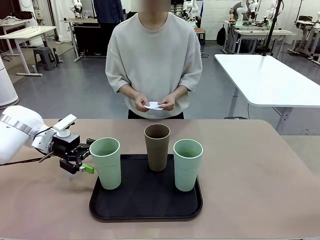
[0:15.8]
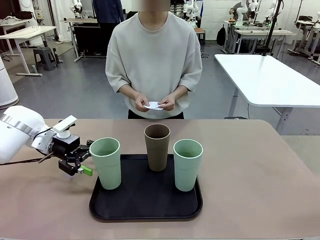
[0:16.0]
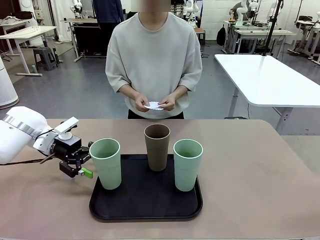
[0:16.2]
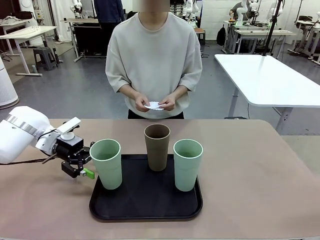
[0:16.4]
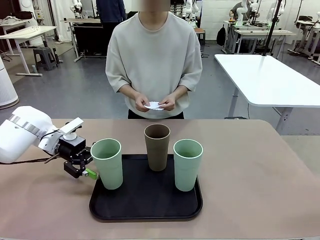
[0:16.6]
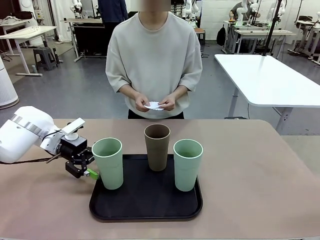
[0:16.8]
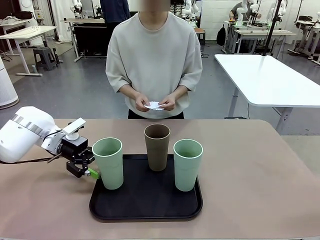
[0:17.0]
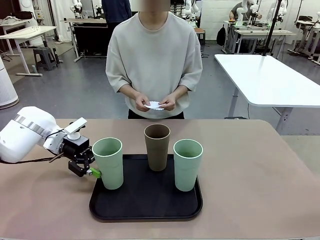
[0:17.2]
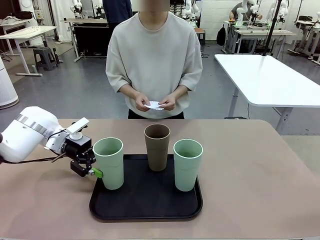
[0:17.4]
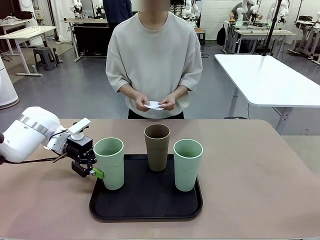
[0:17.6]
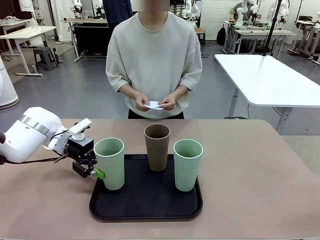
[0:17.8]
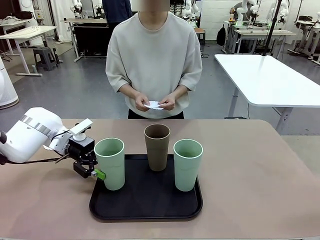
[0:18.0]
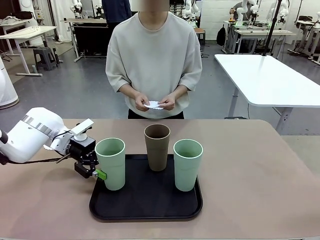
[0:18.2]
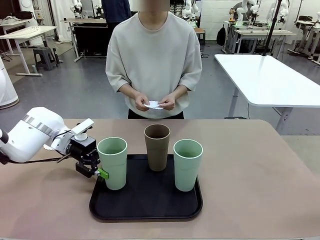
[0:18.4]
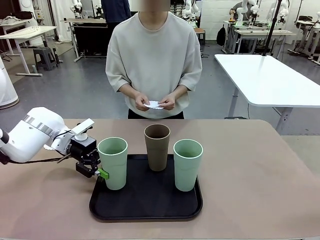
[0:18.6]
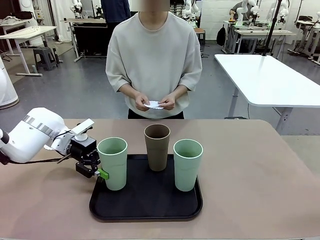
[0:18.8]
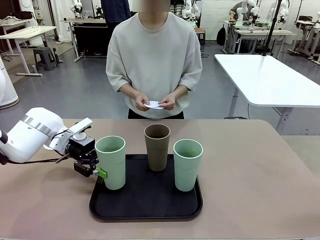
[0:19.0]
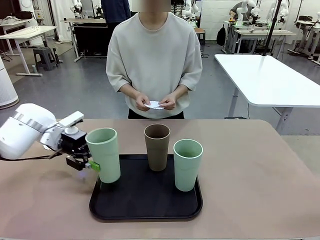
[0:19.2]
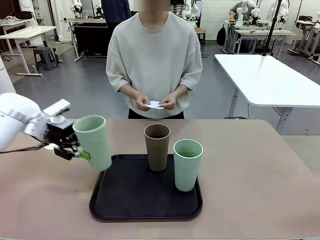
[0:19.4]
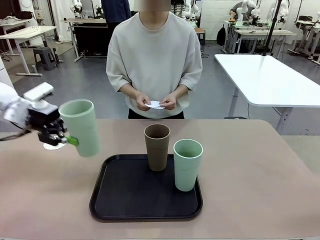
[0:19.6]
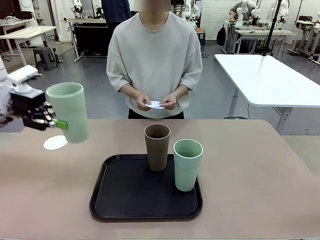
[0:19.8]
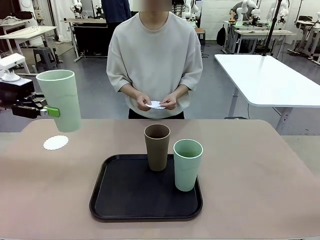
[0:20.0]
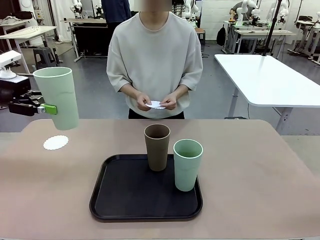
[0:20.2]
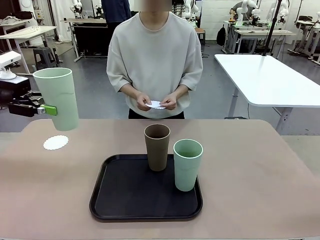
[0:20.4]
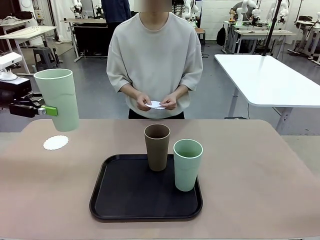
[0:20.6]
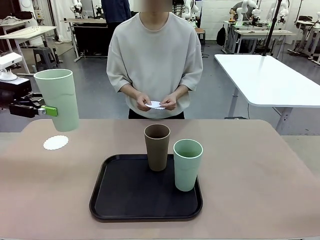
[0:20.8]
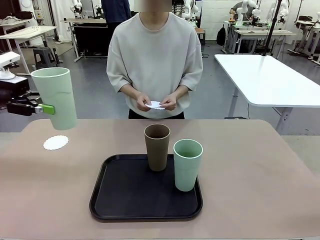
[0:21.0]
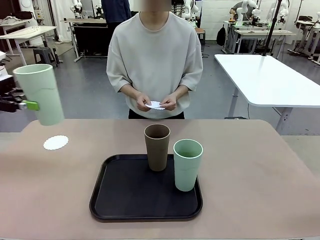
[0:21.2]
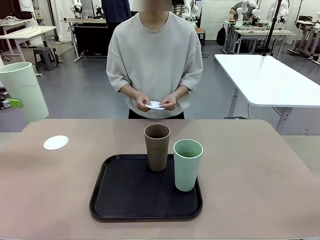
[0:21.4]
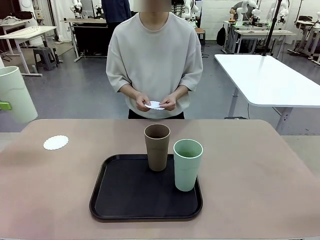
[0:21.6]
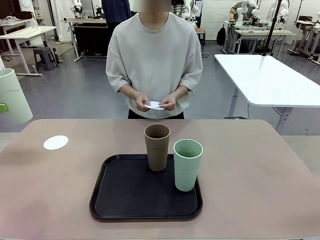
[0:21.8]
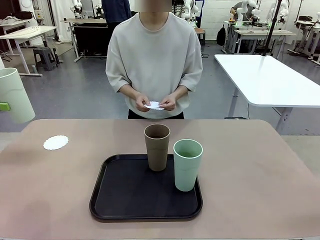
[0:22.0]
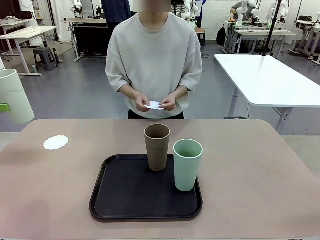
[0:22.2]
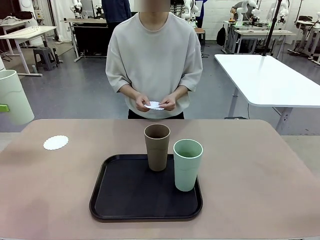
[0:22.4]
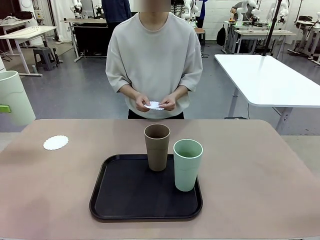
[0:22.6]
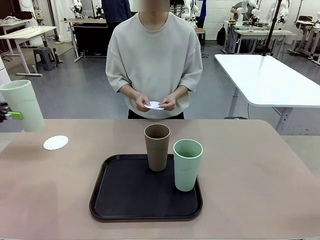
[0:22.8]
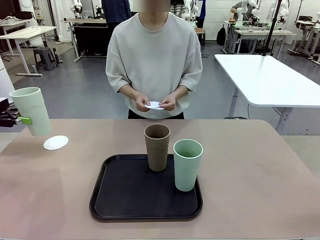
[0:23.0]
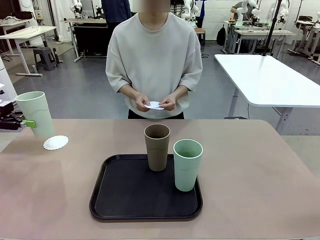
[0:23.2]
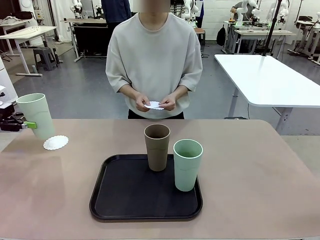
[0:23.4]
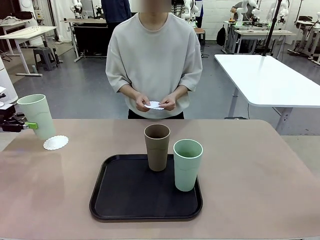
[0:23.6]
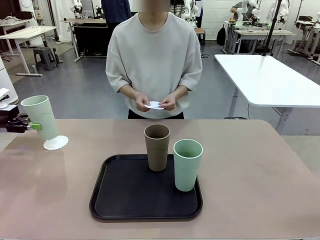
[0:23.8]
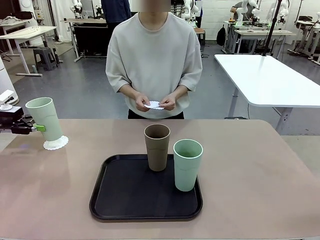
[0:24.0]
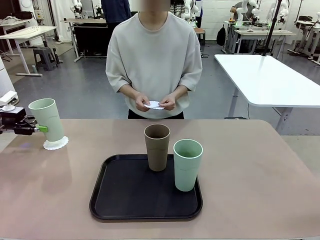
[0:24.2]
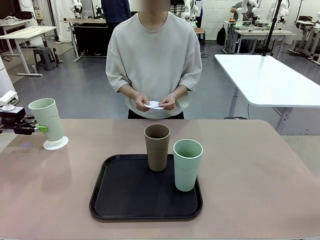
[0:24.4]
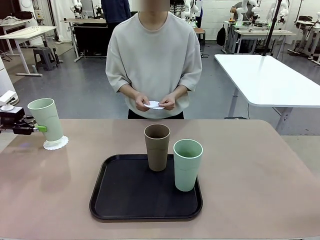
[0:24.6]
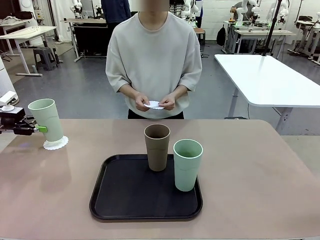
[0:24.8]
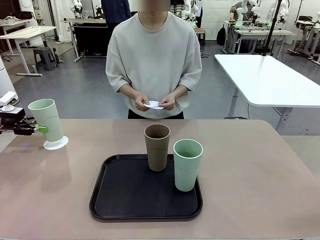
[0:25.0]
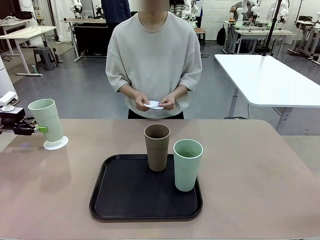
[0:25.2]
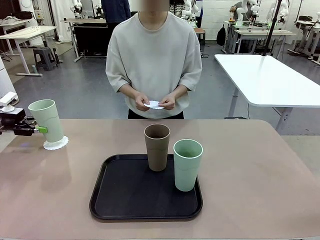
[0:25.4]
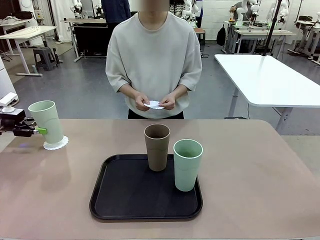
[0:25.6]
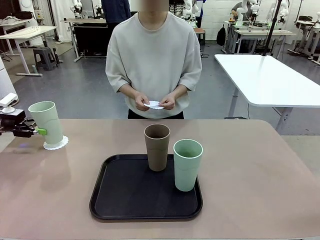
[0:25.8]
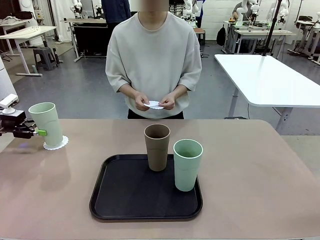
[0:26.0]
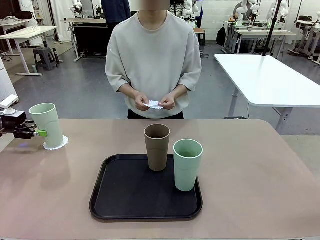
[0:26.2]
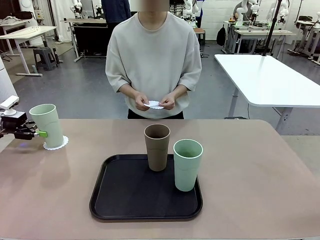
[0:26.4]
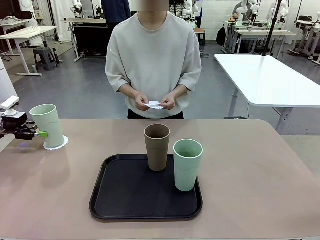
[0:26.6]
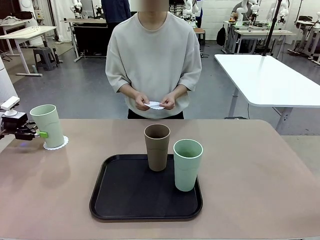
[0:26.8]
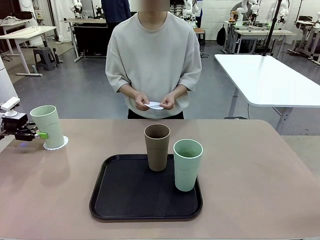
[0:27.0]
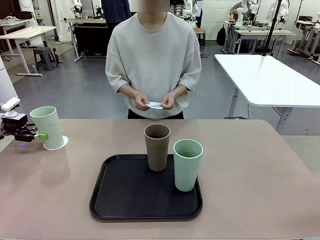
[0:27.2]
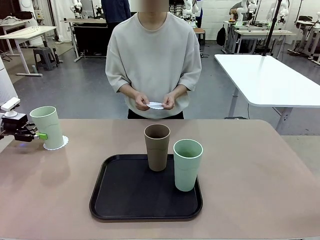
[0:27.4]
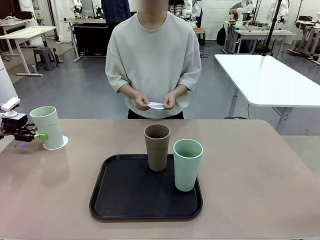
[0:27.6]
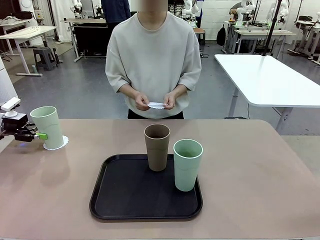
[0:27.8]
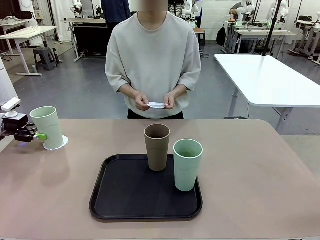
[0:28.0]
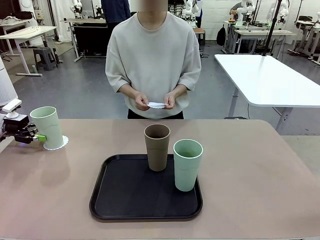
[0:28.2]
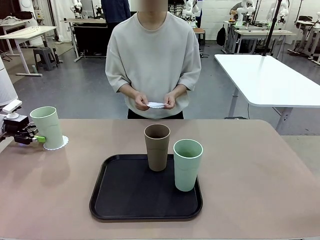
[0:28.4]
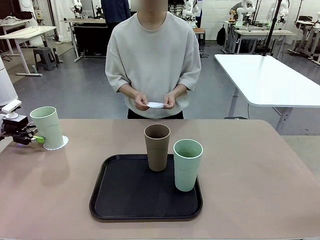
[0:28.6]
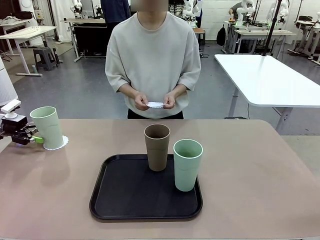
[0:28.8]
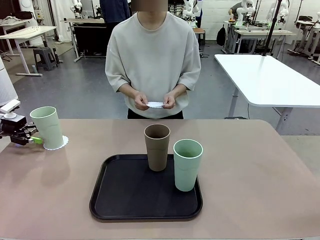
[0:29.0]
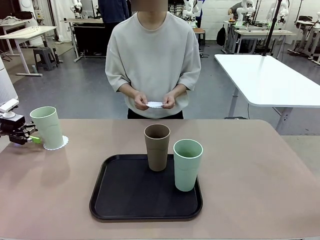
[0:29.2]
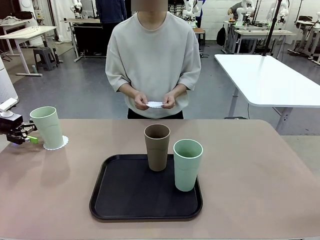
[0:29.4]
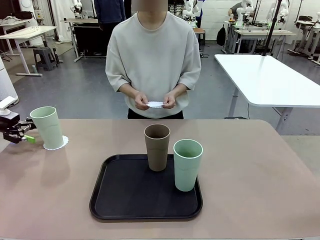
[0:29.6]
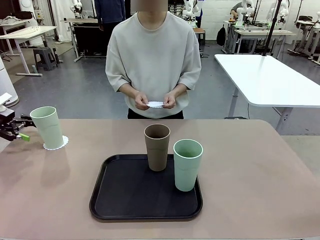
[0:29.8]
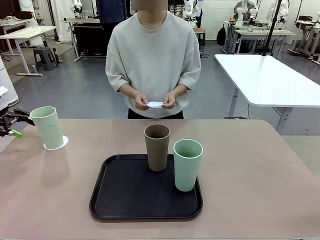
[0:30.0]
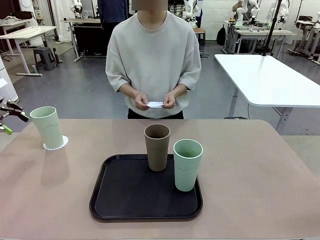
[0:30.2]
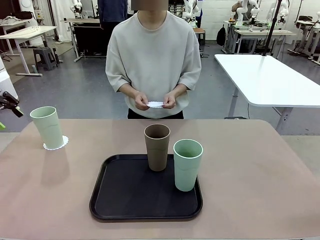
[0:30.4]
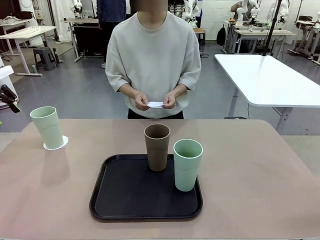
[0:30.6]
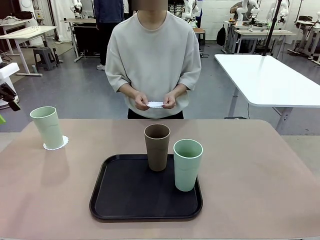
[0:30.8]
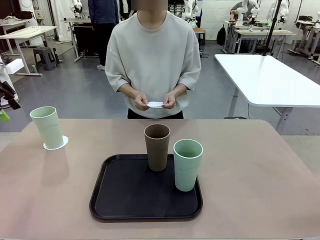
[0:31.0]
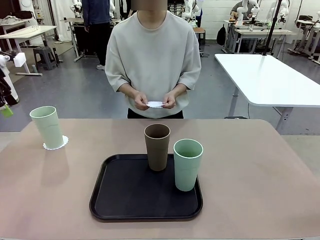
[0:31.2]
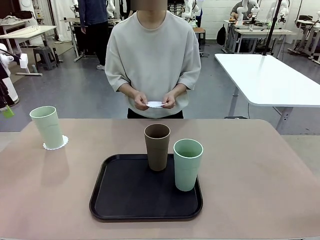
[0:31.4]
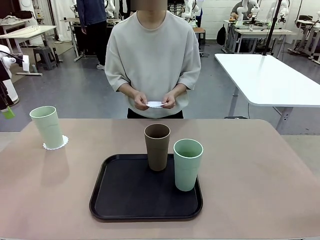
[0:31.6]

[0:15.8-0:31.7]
Task: Place coasters on the table and set cups on them.
Robot: Pick up one Reusable plastic cup and place it on a coaster set by the human.
Person: Place one coaster in one of the two areas excluding the previously selected area.
